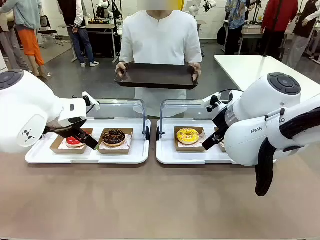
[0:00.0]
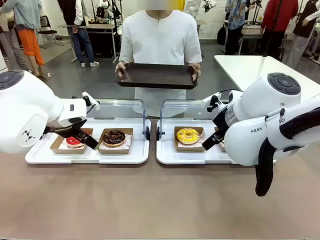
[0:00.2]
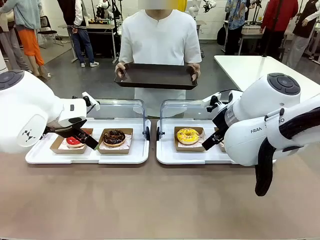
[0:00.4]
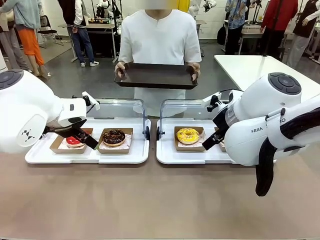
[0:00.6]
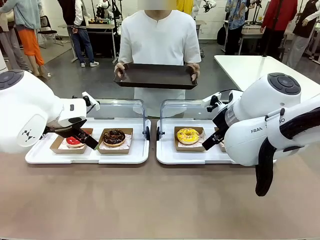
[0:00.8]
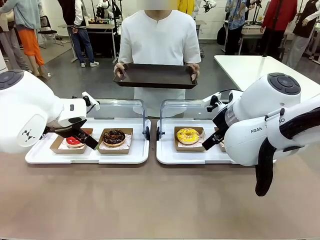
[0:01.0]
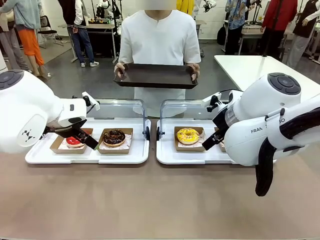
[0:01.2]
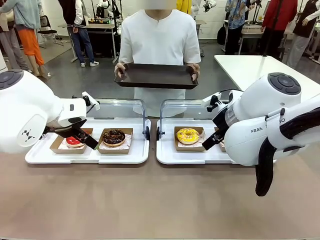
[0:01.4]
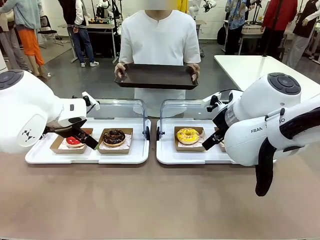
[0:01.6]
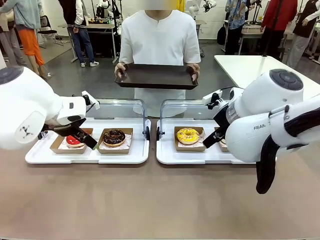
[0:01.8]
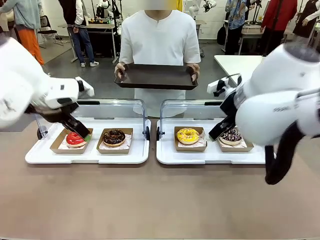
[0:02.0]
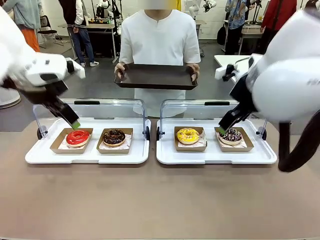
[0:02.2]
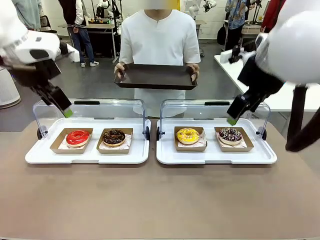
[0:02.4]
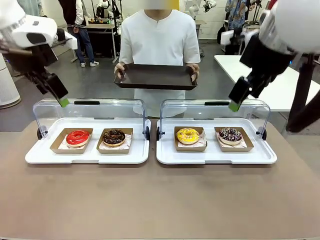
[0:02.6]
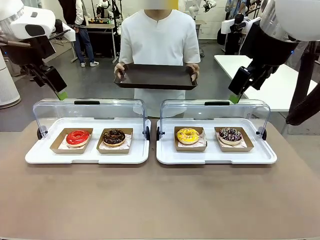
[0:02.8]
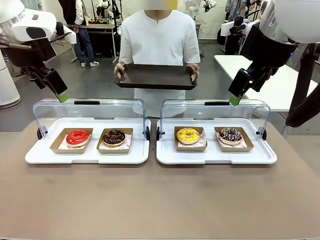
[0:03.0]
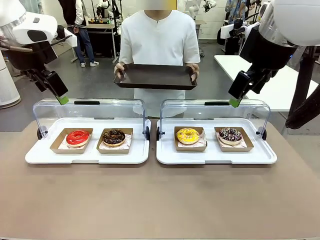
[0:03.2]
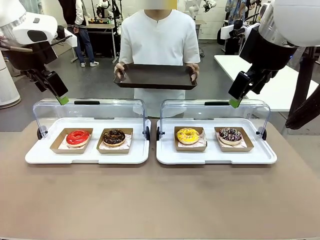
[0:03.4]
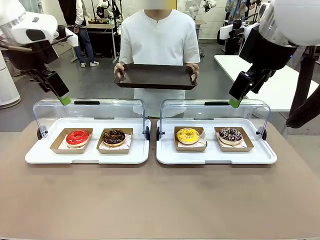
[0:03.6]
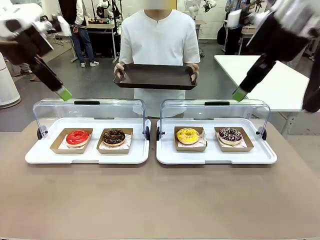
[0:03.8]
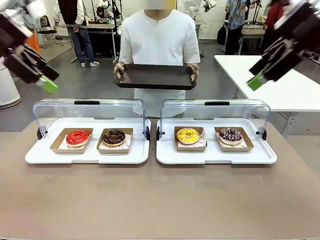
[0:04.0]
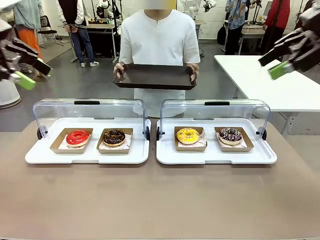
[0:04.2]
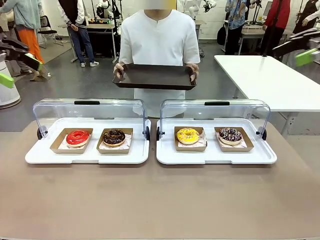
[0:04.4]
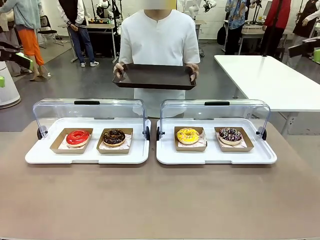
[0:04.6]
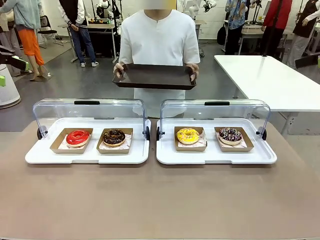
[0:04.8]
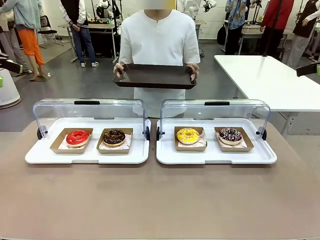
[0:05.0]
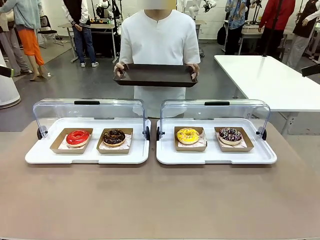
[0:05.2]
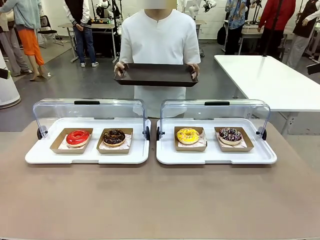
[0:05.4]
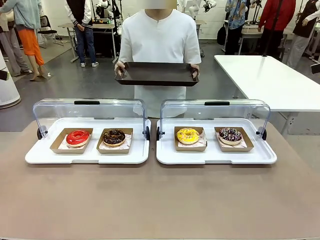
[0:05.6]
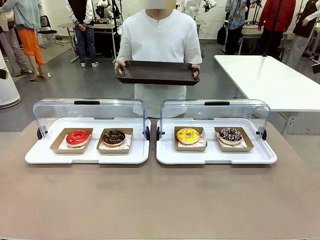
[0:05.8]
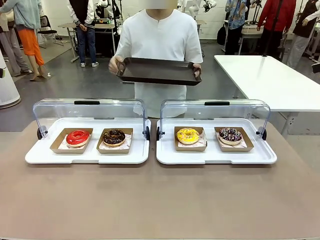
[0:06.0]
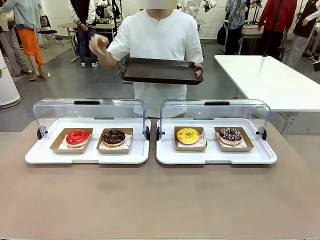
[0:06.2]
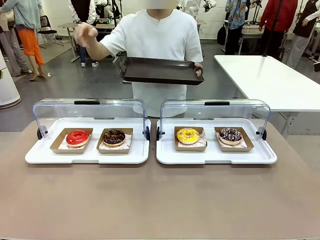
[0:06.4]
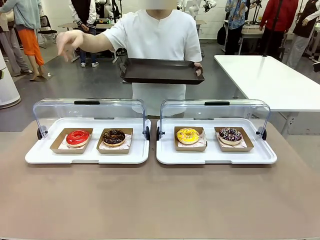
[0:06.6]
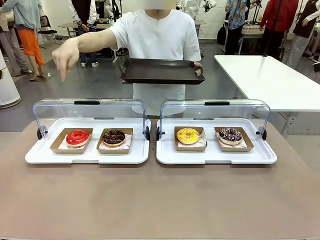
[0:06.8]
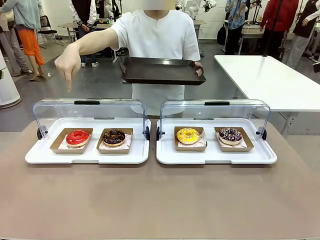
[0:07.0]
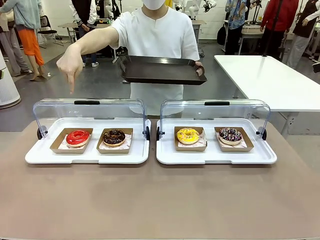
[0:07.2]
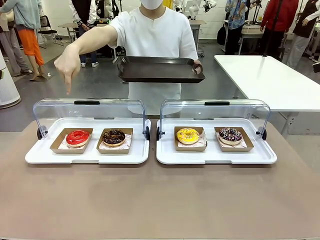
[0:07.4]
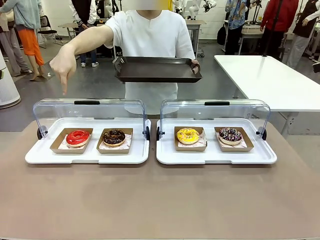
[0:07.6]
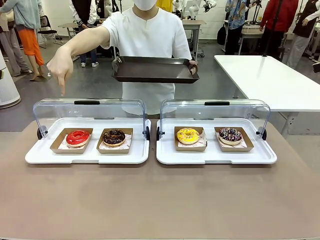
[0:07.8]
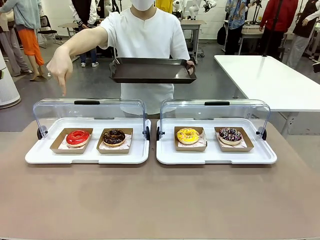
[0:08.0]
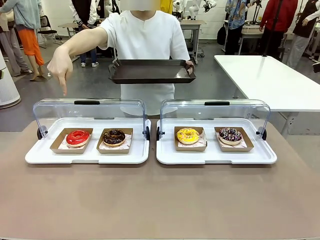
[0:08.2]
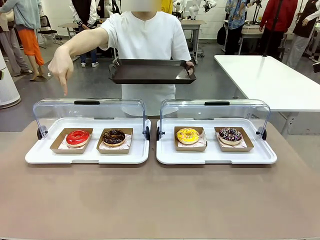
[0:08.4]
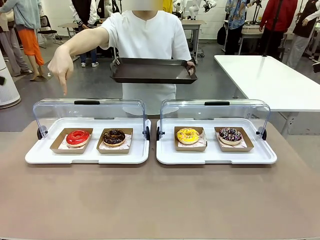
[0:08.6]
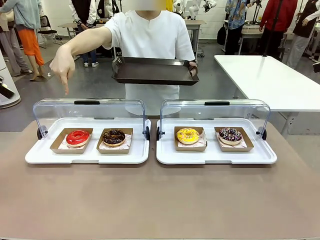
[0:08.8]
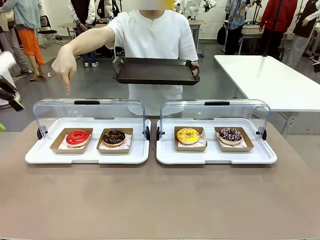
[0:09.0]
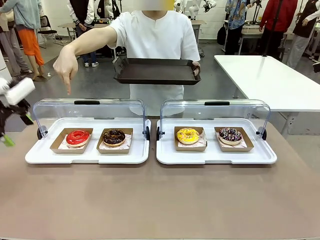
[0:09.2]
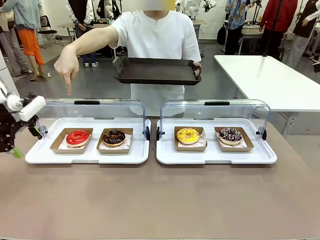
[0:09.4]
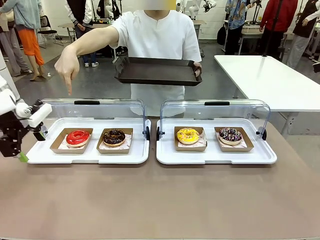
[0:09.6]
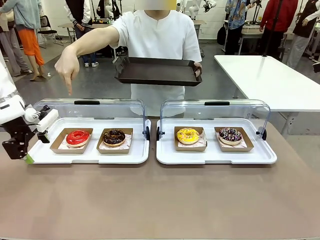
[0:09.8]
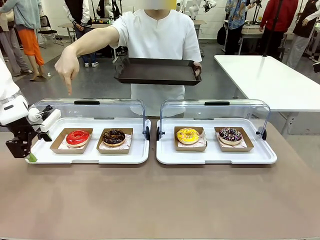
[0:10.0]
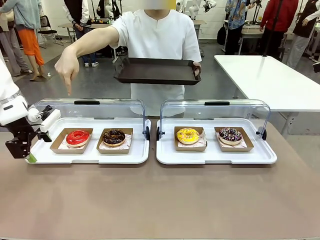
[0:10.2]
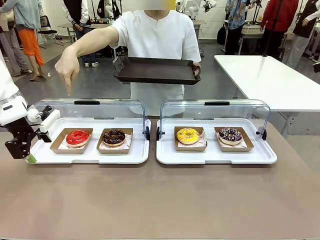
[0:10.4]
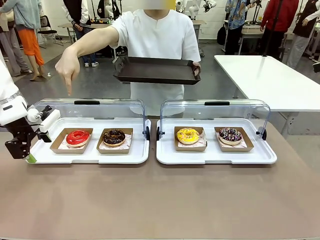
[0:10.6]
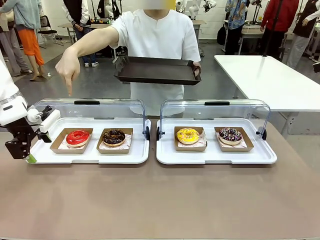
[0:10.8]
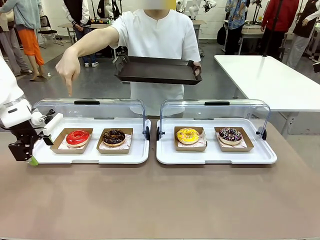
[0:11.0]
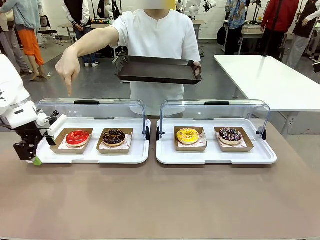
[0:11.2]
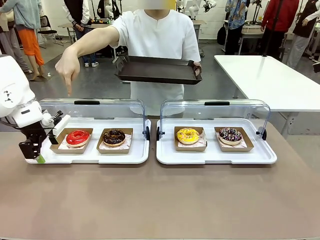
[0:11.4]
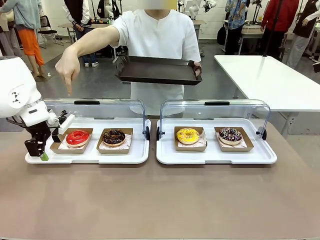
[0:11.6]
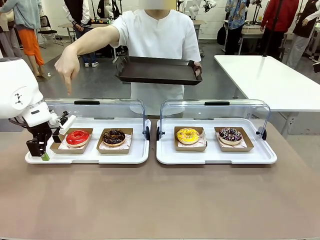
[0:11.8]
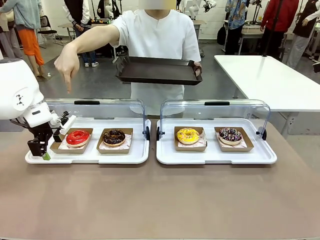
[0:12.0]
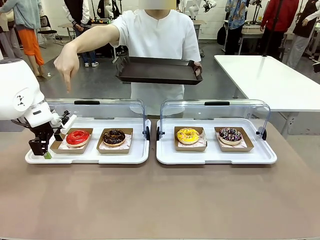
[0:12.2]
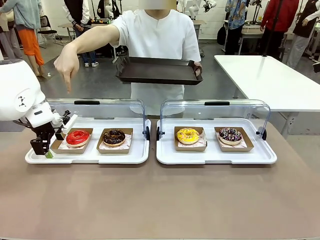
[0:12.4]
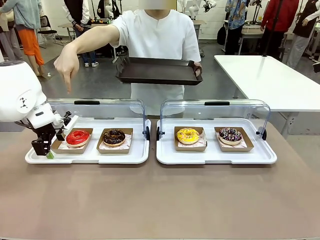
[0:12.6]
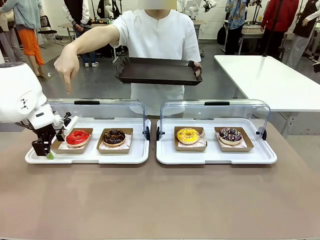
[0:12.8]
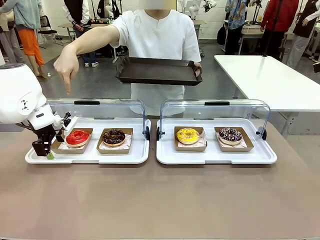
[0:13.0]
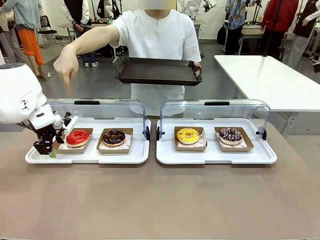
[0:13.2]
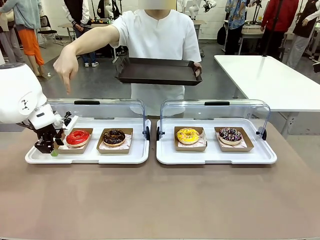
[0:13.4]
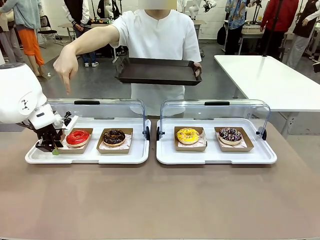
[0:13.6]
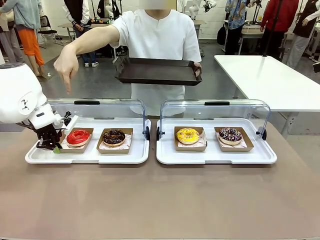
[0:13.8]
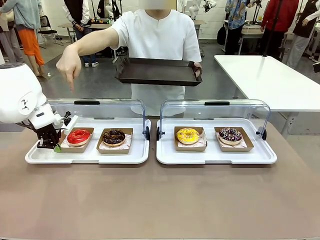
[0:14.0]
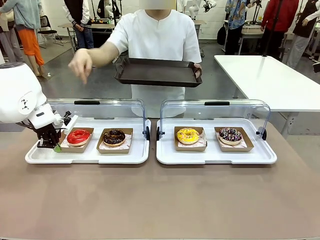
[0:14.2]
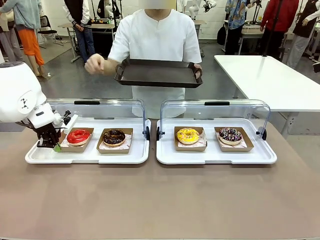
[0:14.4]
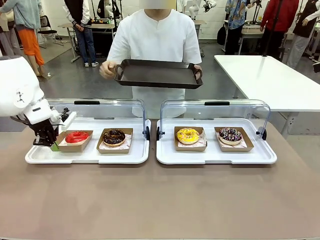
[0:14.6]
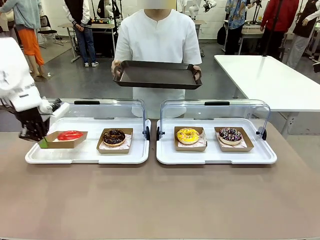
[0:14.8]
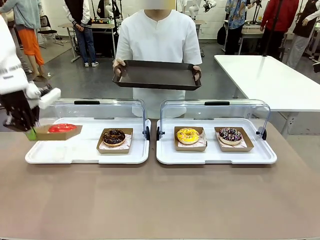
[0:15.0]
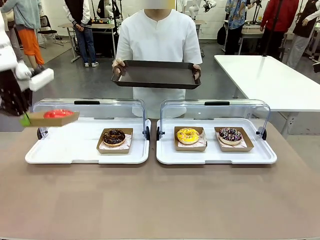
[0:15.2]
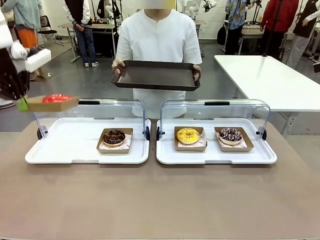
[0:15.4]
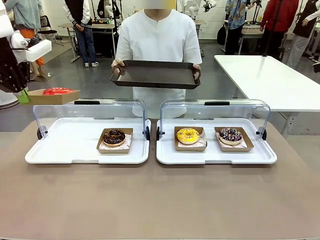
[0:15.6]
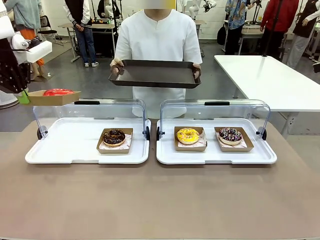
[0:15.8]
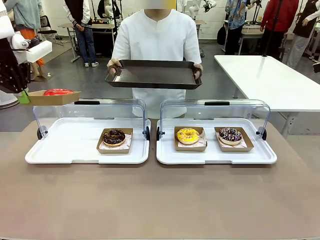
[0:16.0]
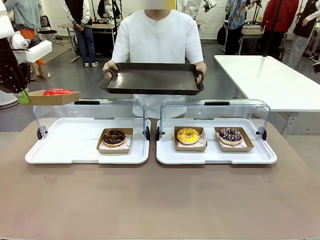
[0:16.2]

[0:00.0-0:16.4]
Task: Provide the desired donut to the person.
Robot: Pick up and lift the Paper togo box containing the Donut pointed at by the person.
Person: Point to one donut. Lift the tray onto the Roll-Top Bakery Case.
